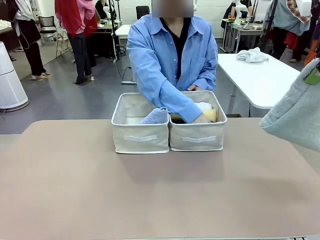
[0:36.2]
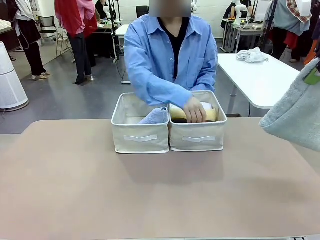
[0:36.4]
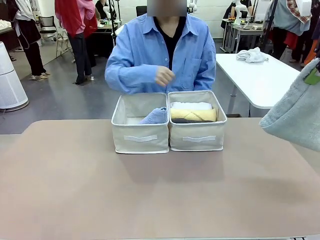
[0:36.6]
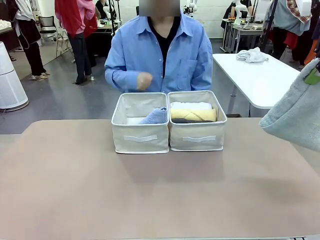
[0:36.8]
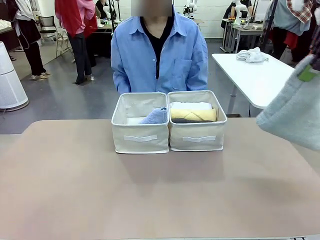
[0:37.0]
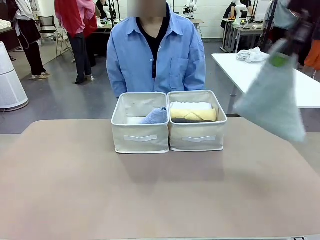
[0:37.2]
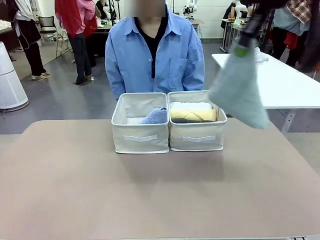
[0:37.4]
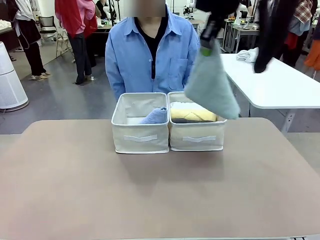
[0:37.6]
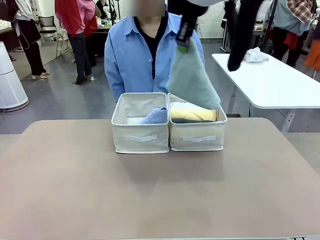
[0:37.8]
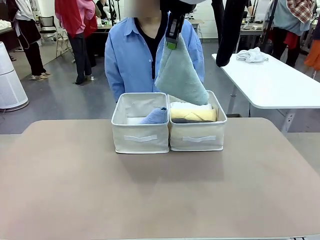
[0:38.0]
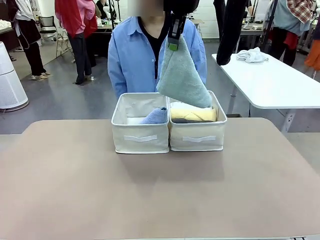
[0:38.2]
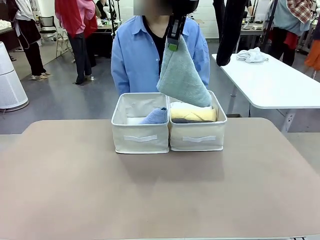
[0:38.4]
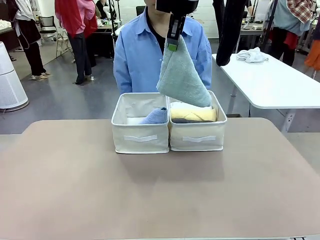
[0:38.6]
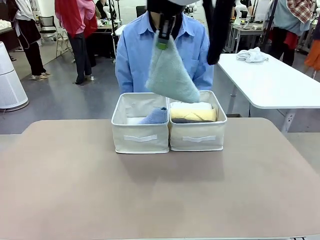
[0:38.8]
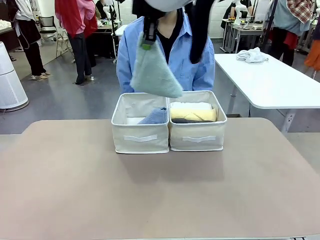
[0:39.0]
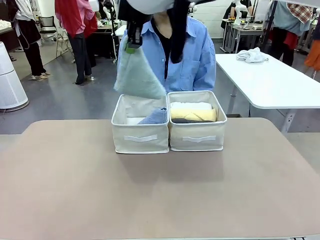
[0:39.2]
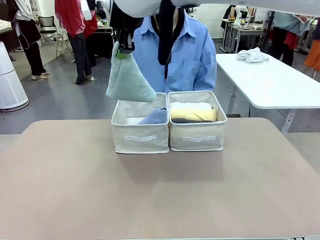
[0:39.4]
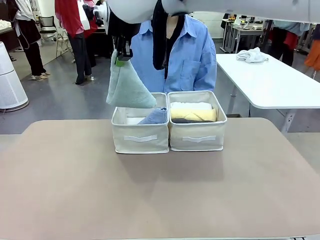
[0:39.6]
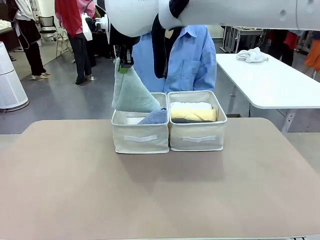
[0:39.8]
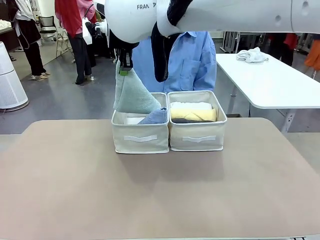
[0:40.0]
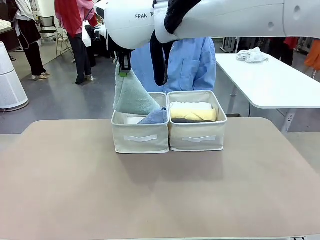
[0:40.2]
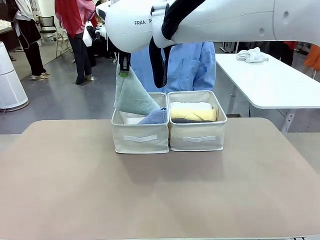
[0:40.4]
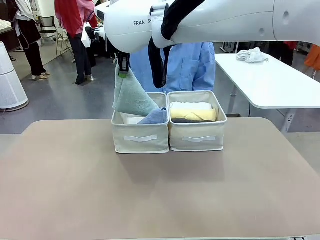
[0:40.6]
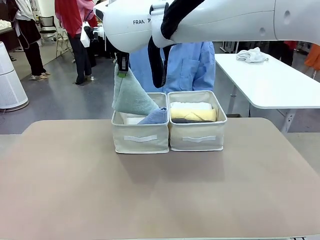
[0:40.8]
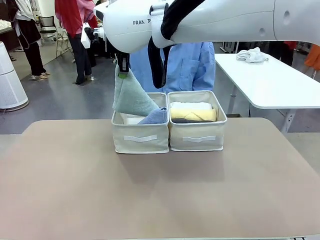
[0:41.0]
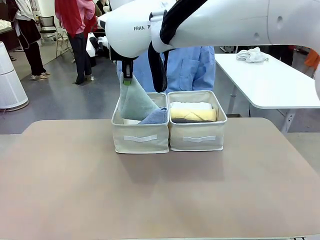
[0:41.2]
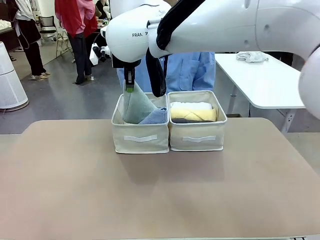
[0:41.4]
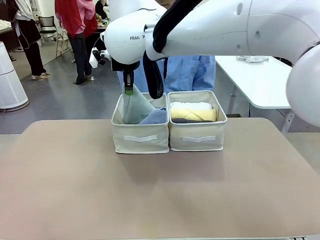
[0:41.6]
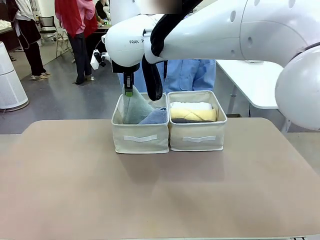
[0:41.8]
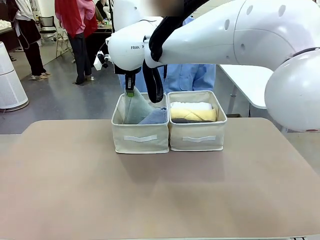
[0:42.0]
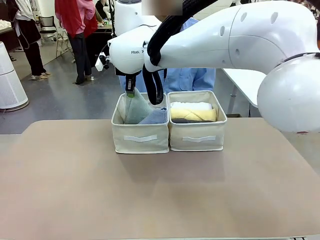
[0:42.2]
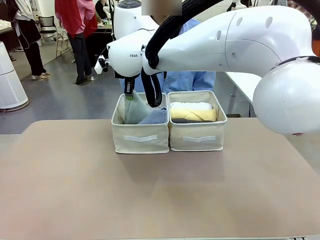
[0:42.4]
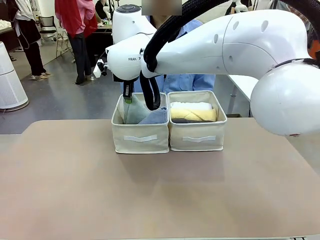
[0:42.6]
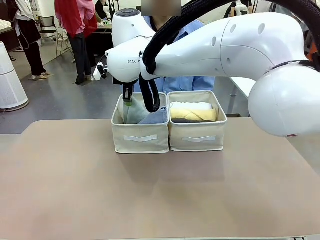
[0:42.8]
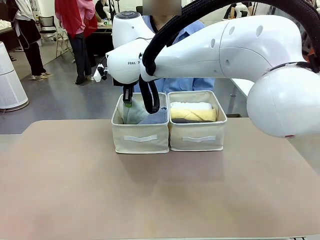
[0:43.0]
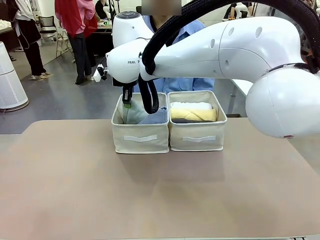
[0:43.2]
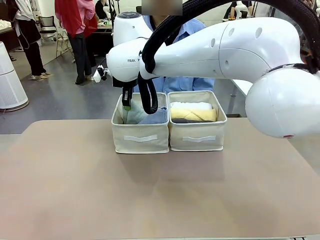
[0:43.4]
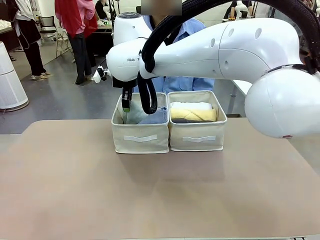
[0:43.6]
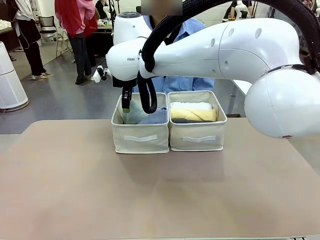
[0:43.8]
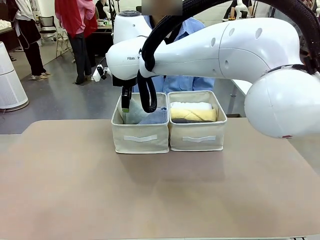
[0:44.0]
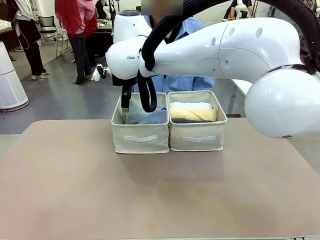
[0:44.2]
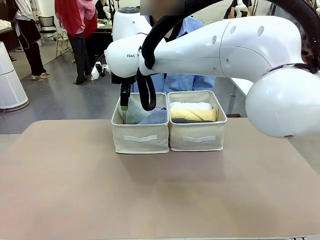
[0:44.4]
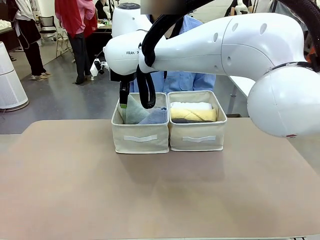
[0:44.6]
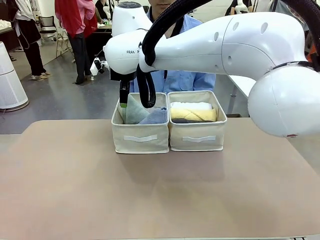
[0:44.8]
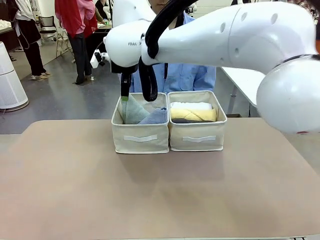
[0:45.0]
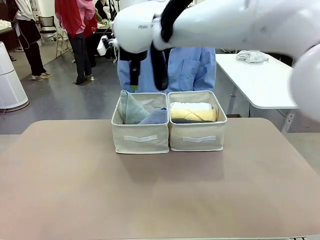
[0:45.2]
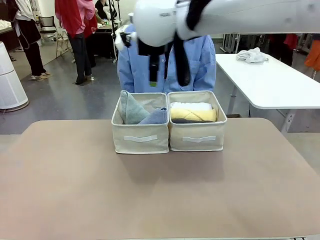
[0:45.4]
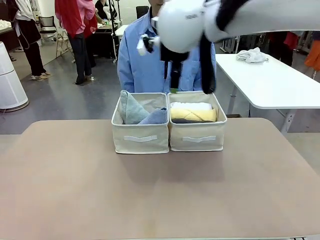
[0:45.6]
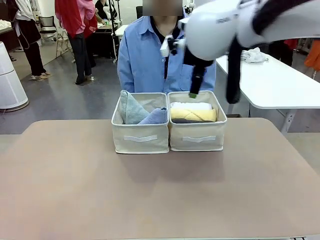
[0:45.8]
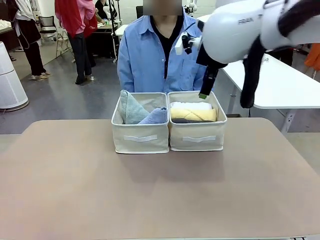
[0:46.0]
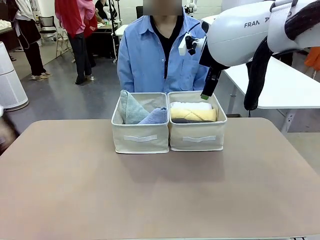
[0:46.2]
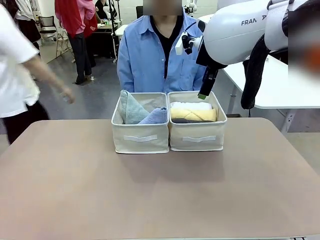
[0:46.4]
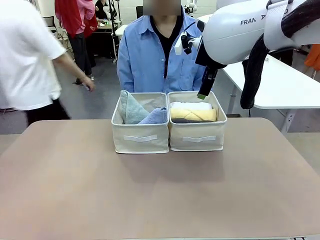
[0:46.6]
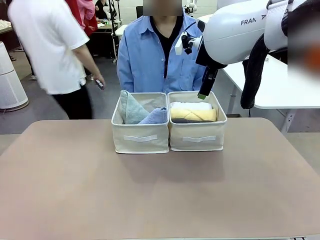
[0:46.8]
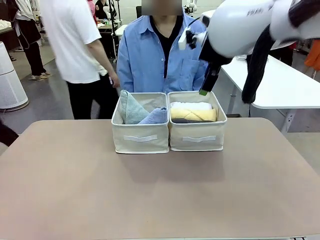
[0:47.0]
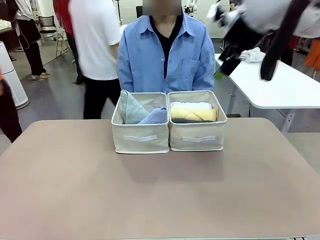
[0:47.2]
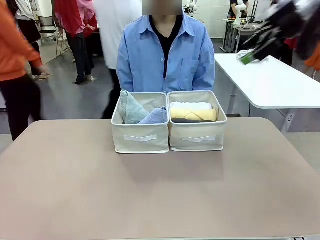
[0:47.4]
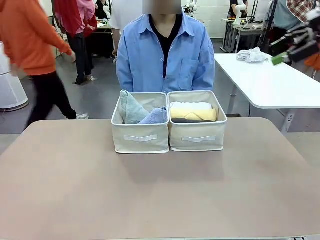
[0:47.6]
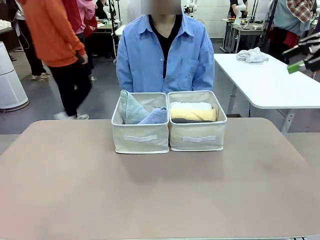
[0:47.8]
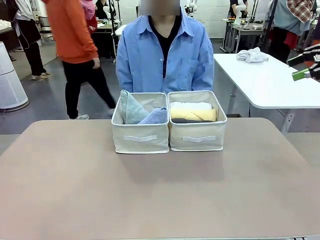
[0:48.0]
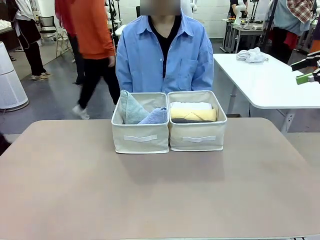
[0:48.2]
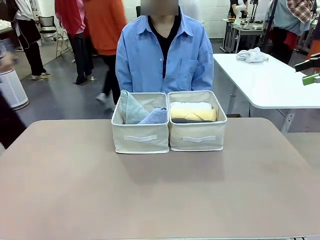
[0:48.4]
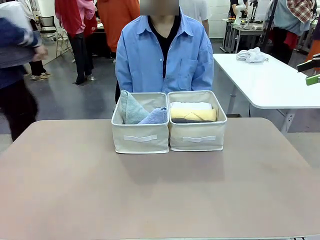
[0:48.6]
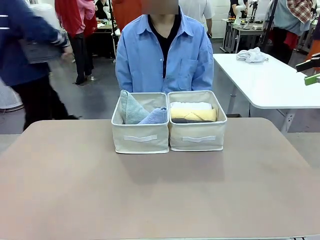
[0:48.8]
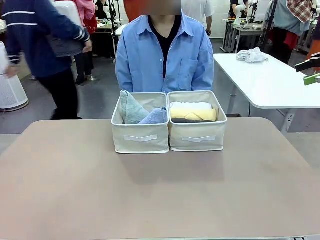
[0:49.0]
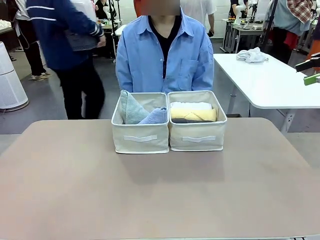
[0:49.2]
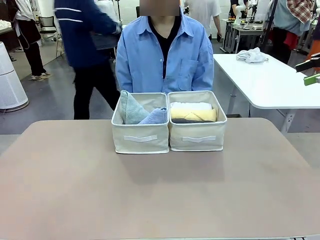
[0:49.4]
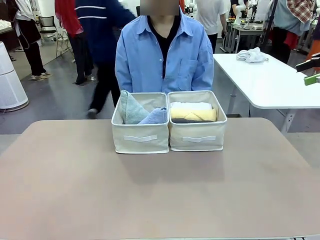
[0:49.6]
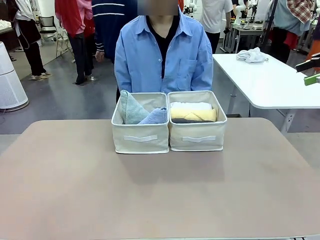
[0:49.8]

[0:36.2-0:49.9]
Task: Sort the towels based on their folding style.
Robot: Pick up another triangle-folded towel from the table and place it in the left Fabric basket.
